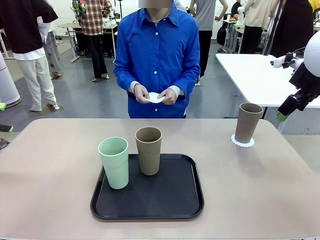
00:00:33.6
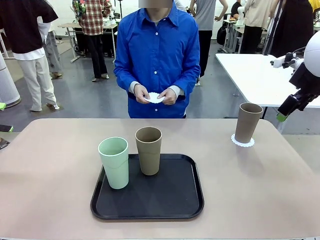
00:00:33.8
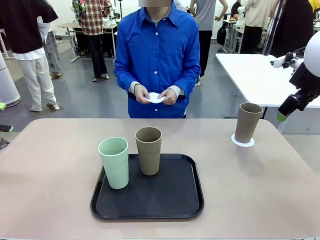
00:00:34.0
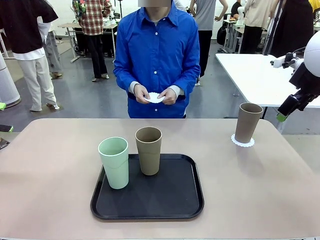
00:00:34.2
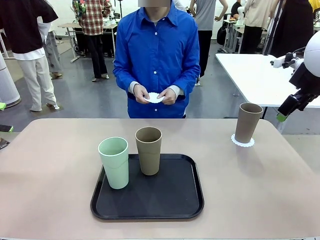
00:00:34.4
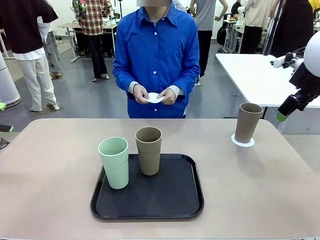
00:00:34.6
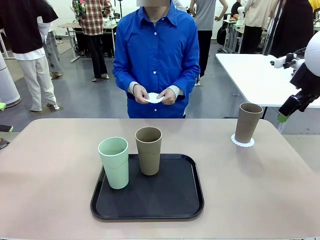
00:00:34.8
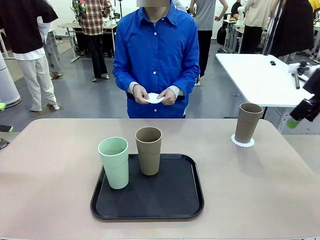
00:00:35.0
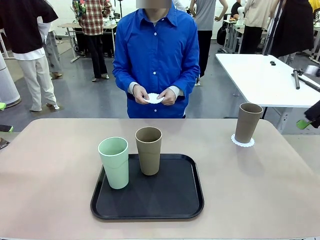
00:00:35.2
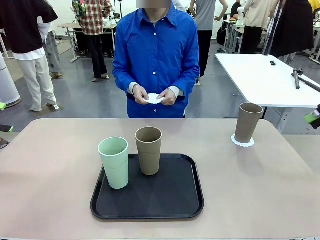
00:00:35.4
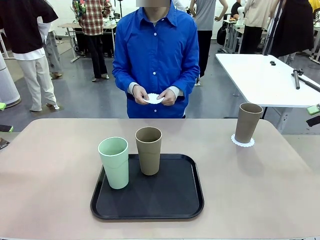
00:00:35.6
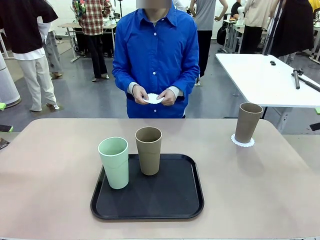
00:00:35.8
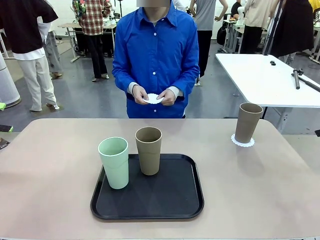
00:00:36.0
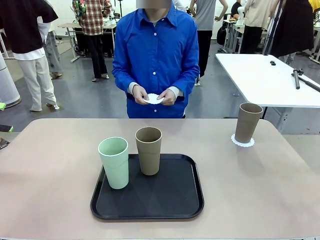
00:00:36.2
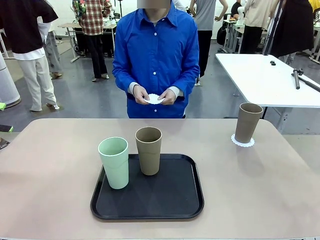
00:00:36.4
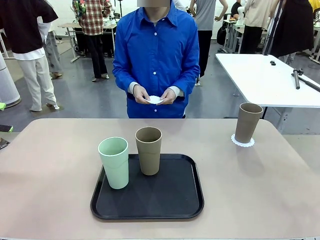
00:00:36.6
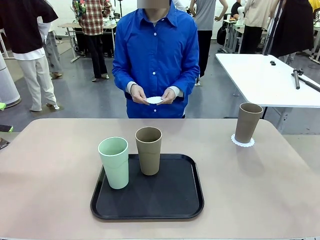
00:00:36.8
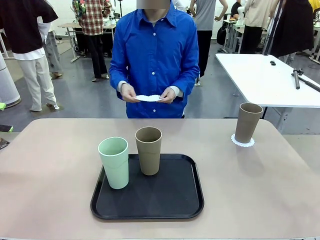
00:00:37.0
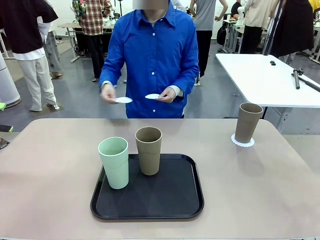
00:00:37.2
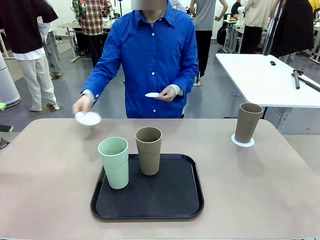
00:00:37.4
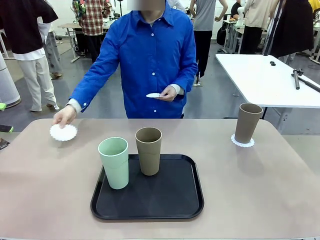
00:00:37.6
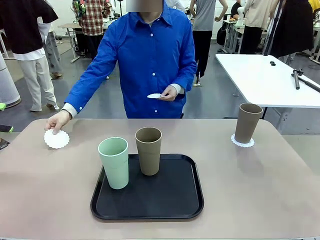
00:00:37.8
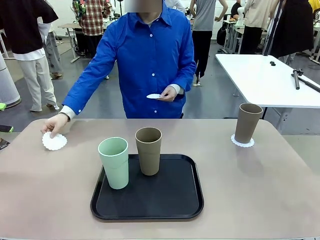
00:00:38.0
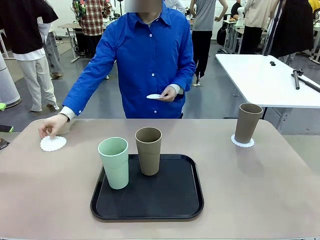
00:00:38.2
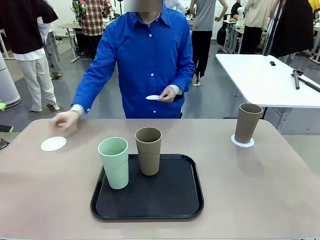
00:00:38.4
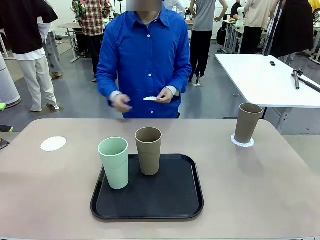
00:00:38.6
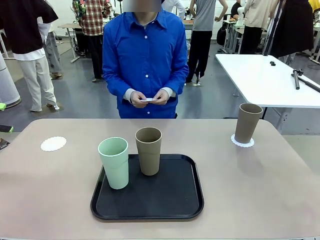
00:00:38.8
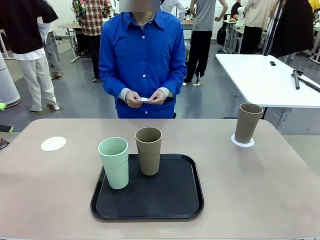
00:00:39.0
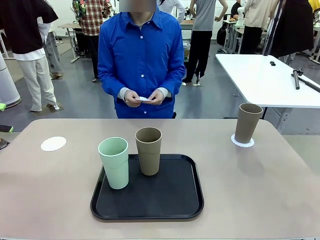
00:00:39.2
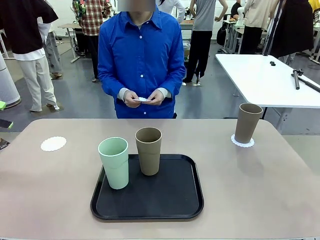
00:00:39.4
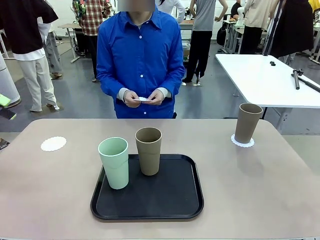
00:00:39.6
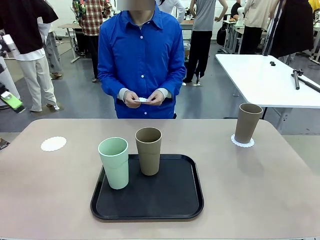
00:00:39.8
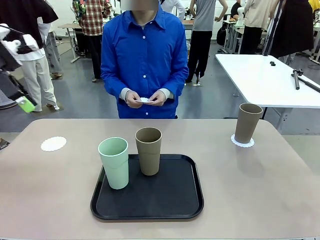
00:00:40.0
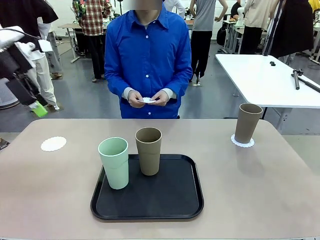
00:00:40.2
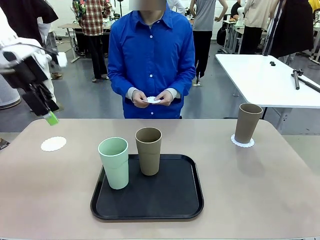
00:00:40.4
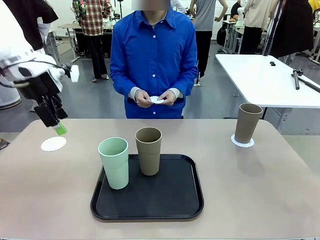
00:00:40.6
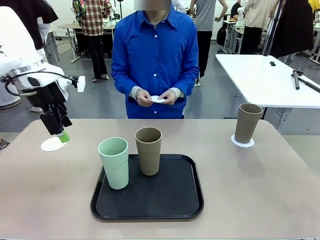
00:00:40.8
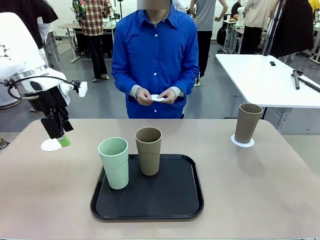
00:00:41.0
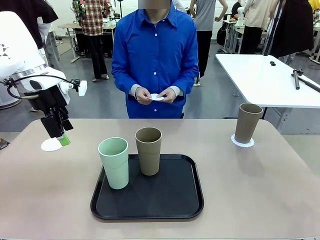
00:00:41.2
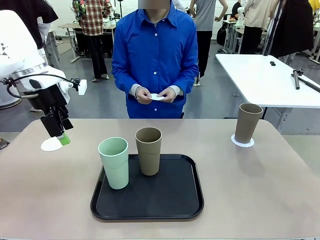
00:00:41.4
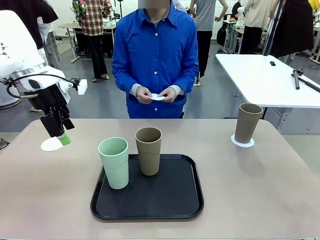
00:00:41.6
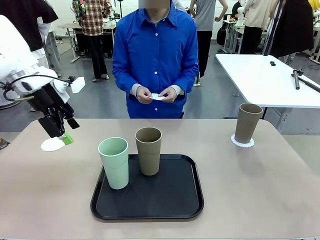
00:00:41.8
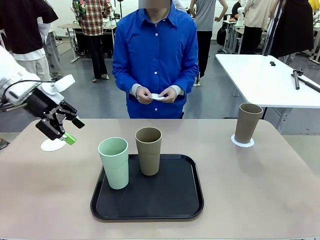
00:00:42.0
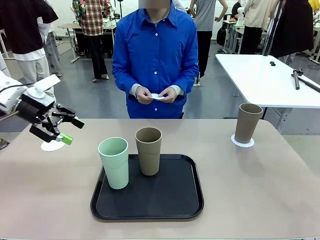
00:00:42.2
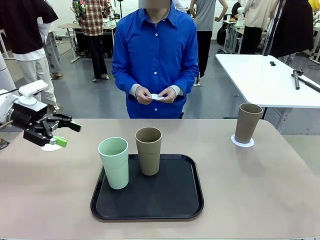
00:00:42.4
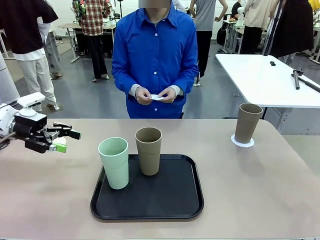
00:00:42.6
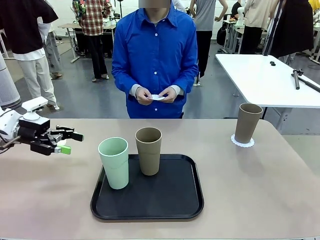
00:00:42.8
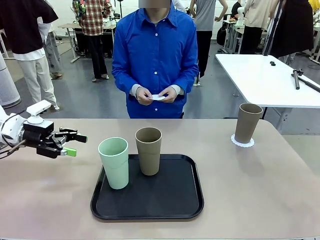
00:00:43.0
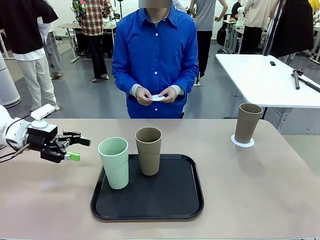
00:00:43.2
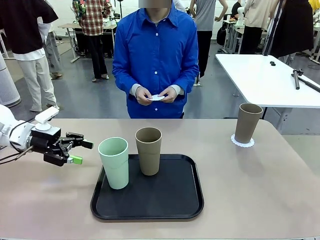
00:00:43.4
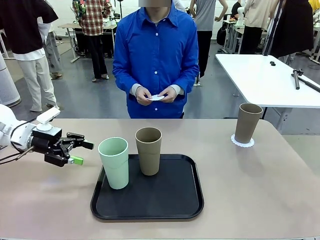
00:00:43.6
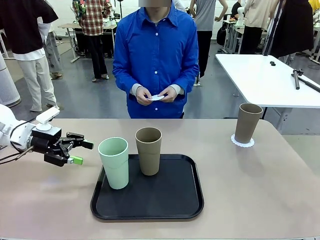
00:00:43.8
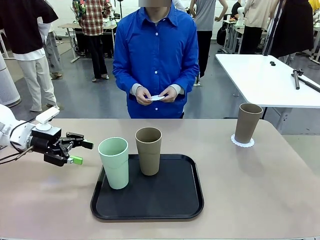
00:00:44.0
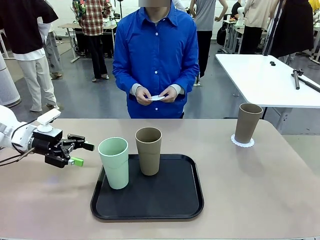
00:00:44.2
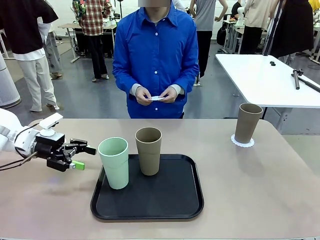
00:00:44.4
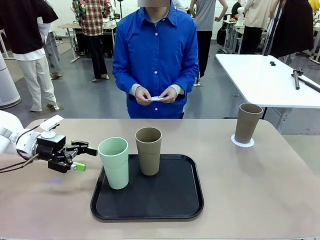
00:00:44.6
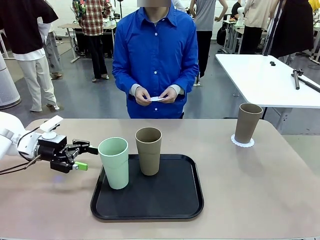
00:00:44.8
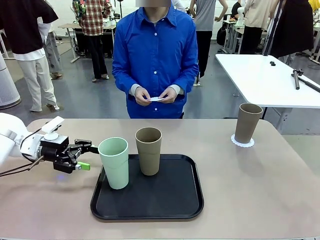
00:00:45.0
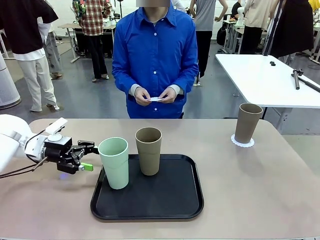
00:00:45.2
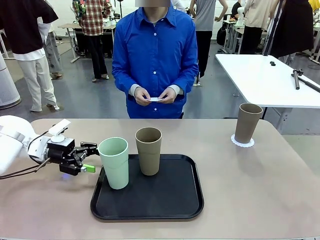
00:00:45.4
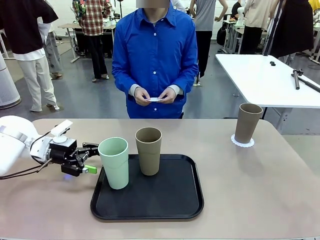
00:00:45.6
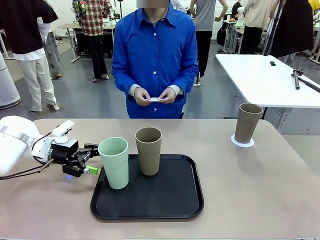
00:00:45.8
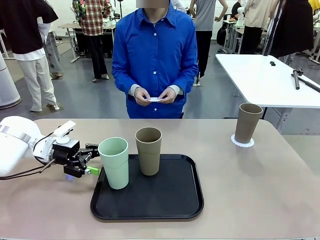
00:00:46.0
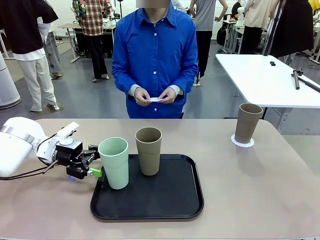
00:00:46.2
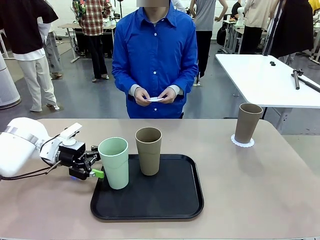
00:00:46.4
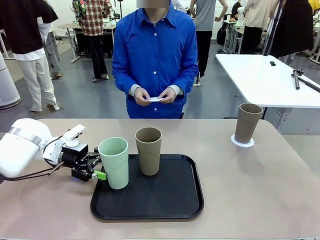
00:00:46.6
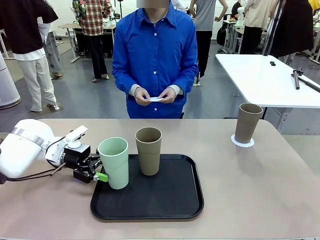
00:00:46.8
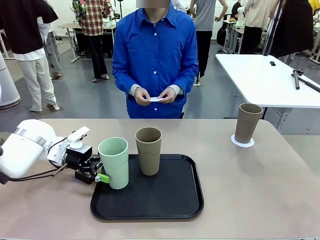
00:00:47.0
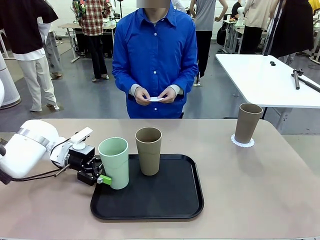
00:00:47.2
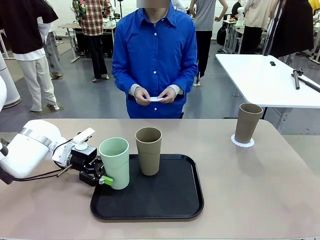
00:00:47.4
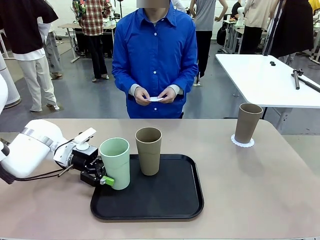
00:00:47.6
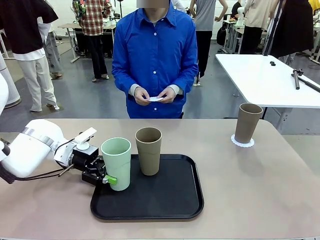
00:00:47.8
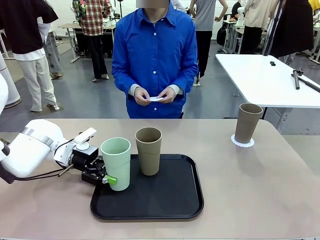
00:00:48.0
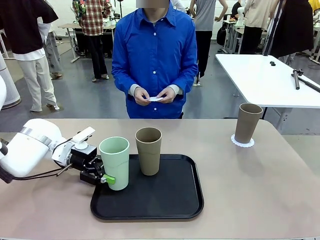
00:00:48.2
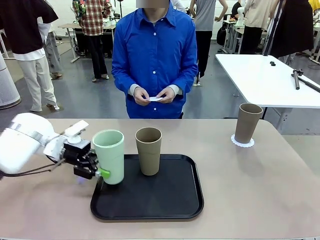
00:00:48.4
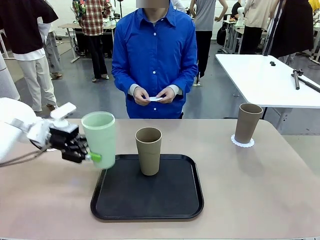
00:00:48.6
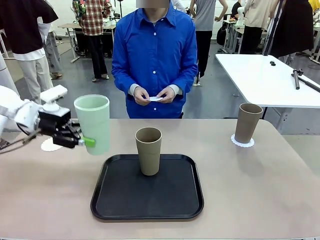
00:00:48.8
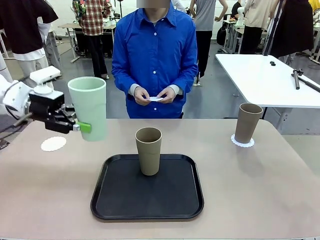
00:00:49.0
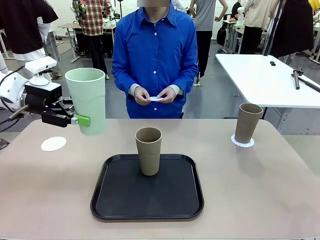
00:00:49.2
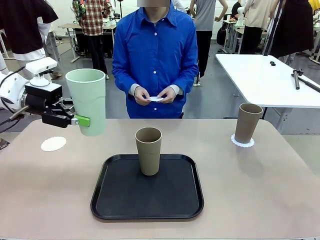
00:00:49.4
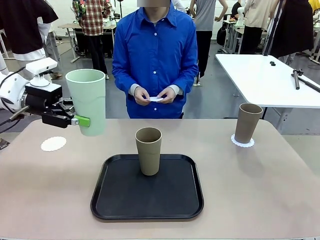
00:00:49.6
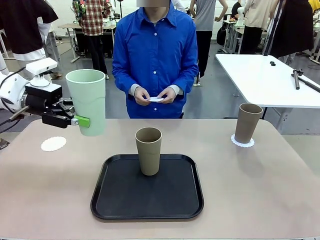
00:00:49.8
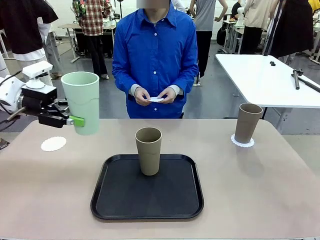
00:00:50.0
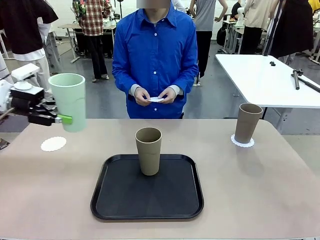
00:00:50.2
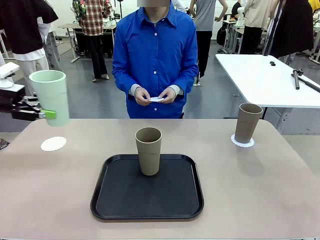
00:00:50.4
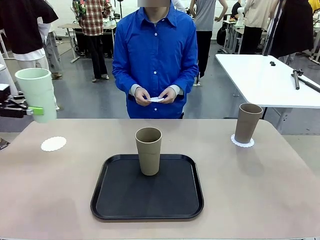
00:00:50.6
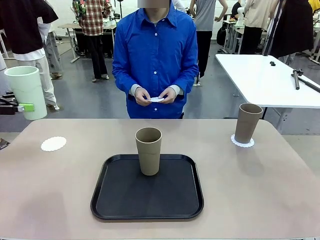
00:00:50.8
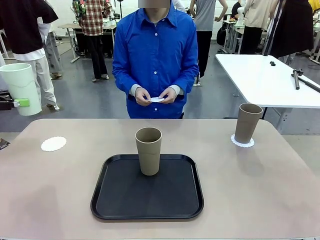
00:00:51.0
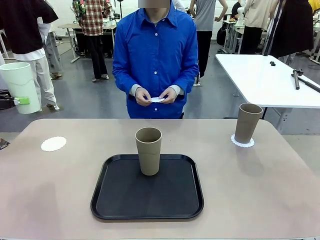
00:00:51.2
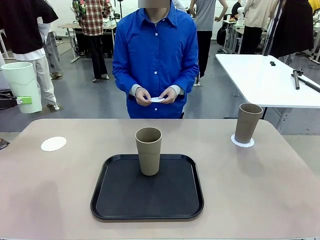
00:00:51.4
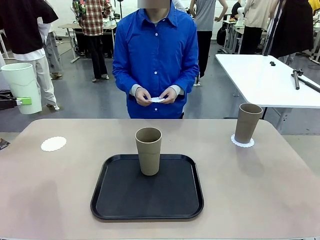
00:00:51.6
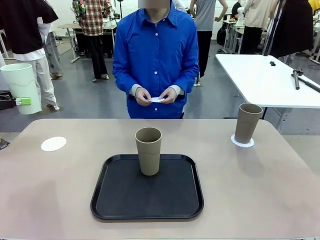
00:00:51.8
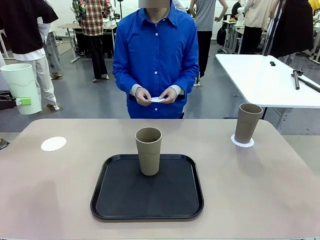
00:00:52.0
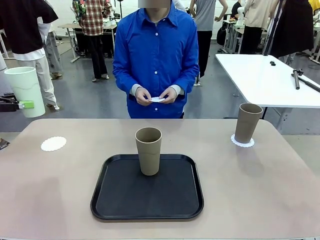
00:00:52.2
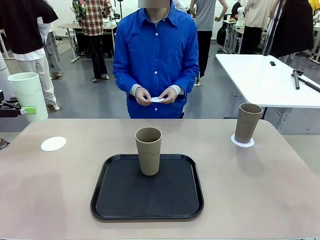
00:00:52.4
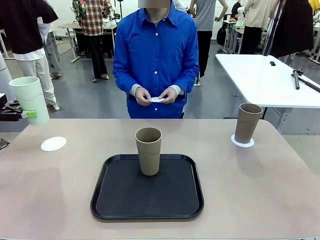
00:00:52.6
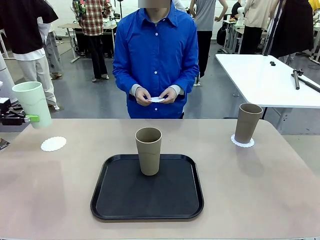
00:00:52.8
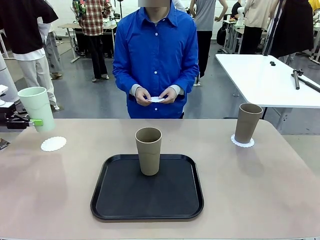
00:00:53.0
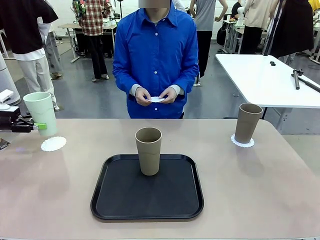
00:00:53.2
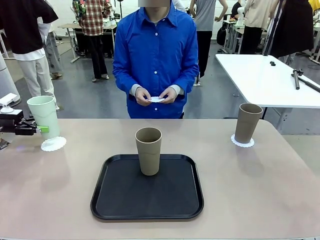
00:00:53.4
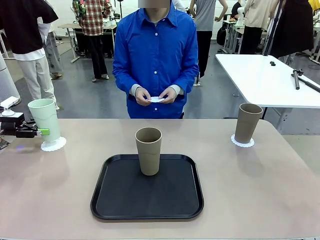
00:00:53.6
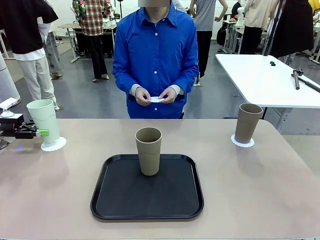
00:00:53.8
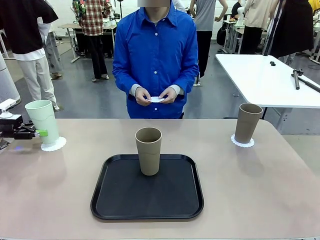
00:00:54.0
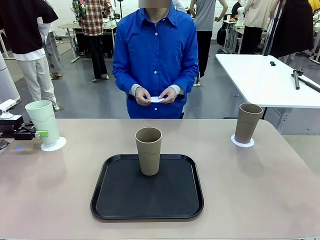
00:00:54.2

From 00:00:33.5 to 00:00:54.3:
Task: Place coasters on the table and set cups on them.
Robot: Take one Reusable plastic cup from the Flat Tray and place it on a coaster set by the human.
